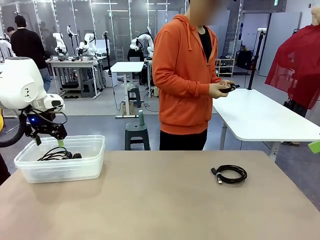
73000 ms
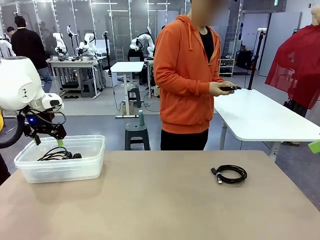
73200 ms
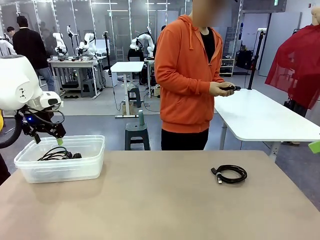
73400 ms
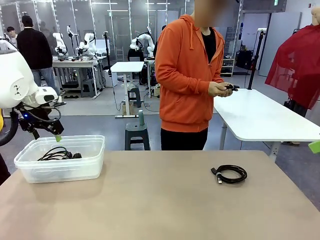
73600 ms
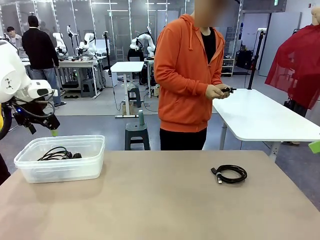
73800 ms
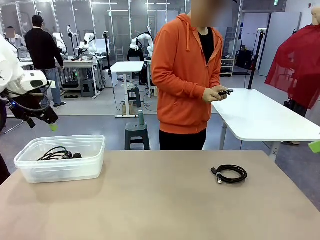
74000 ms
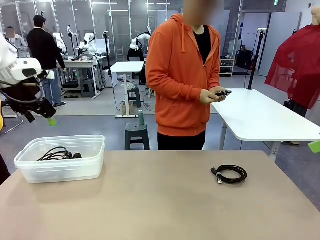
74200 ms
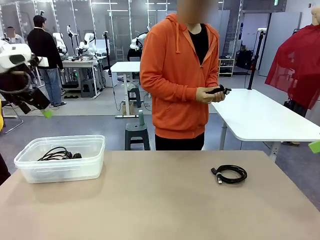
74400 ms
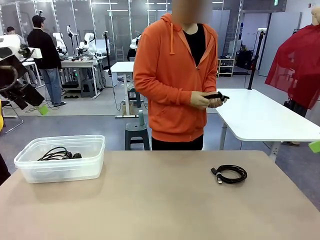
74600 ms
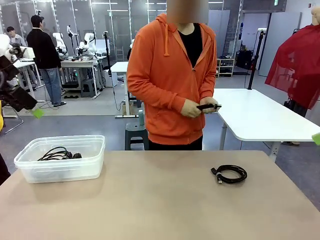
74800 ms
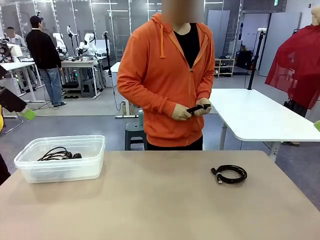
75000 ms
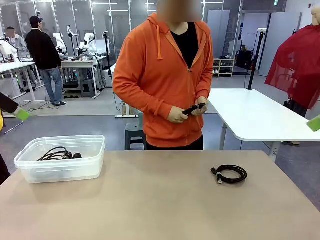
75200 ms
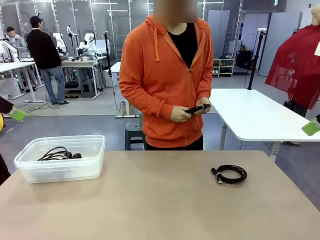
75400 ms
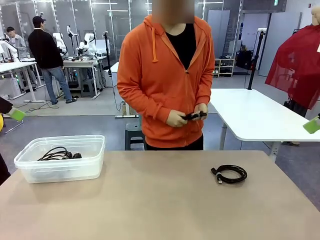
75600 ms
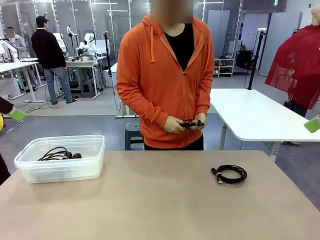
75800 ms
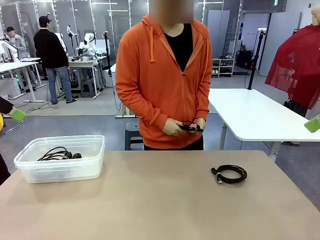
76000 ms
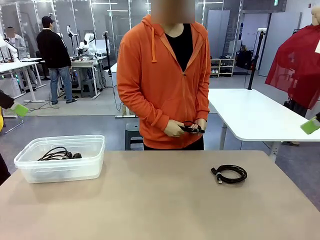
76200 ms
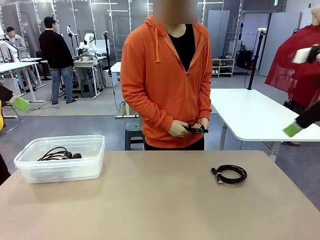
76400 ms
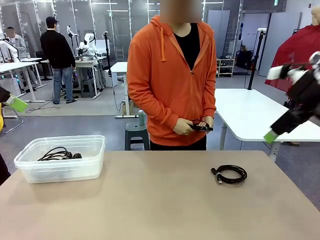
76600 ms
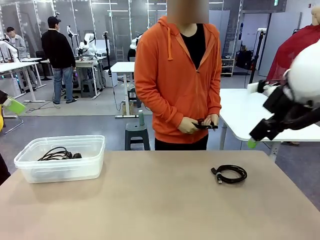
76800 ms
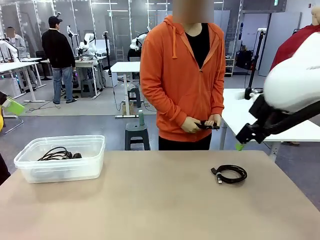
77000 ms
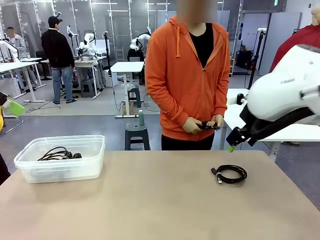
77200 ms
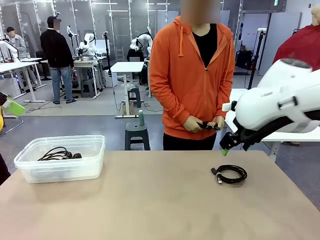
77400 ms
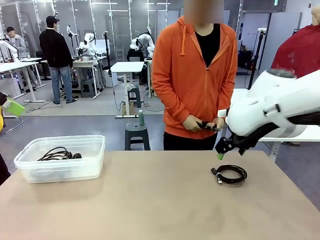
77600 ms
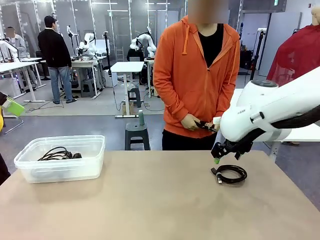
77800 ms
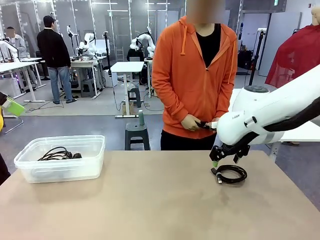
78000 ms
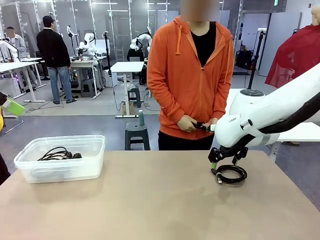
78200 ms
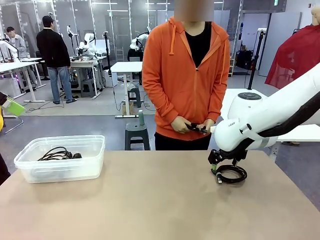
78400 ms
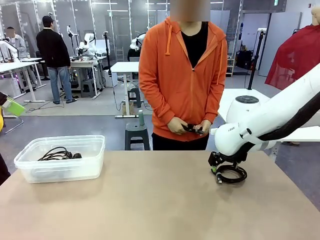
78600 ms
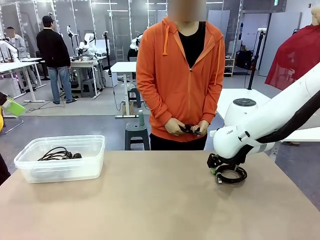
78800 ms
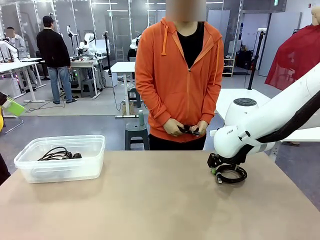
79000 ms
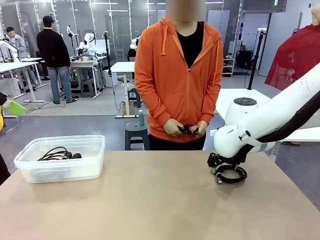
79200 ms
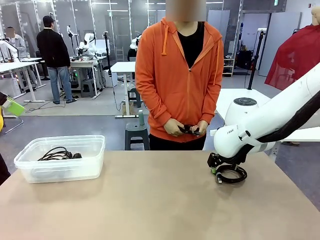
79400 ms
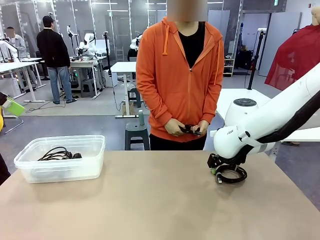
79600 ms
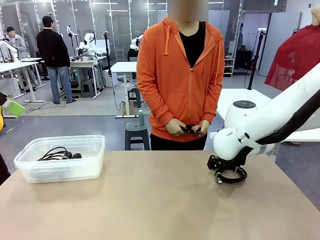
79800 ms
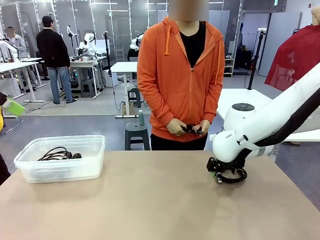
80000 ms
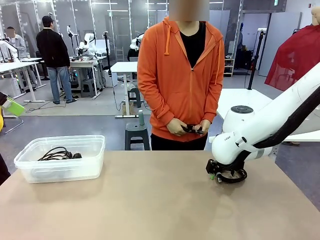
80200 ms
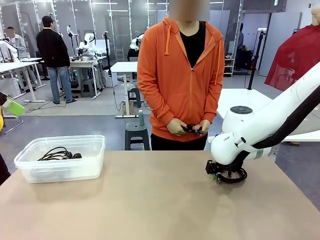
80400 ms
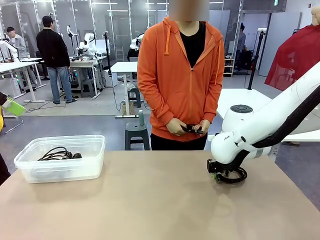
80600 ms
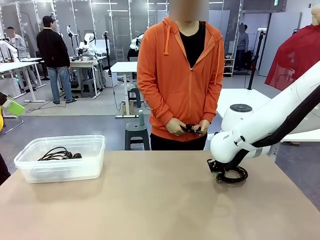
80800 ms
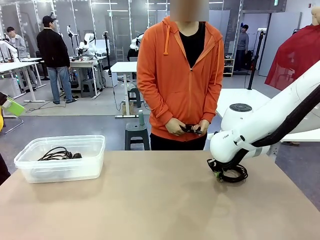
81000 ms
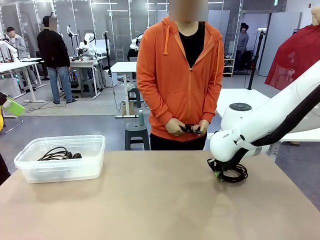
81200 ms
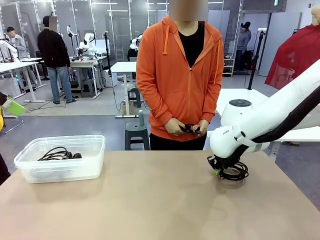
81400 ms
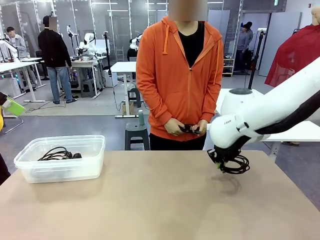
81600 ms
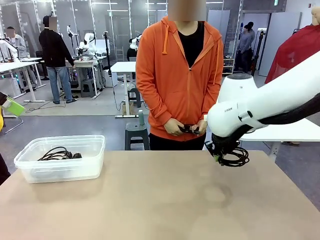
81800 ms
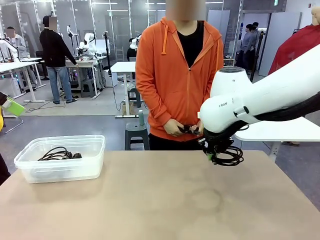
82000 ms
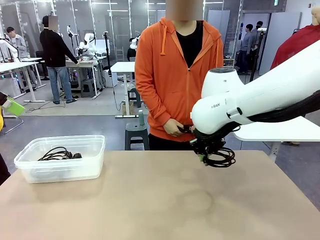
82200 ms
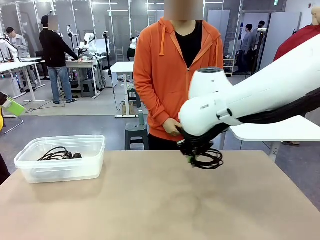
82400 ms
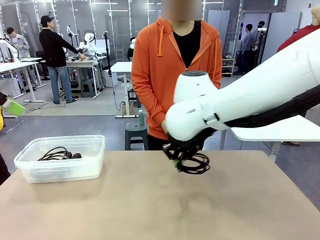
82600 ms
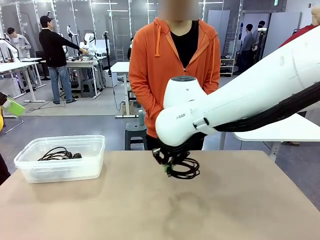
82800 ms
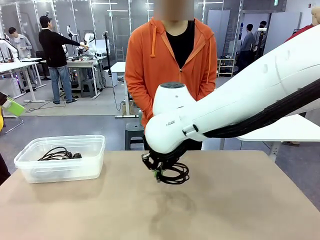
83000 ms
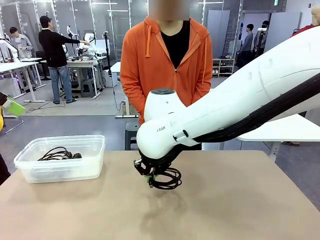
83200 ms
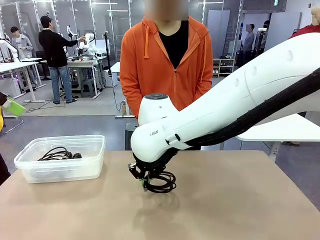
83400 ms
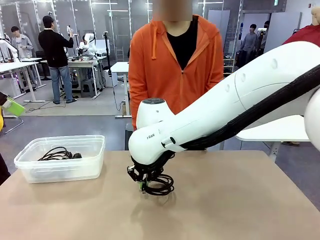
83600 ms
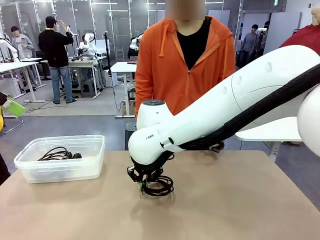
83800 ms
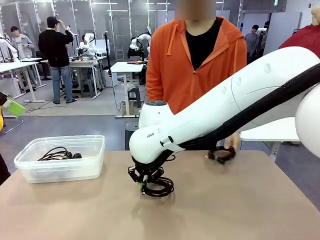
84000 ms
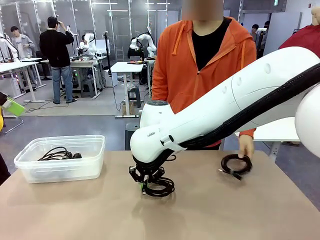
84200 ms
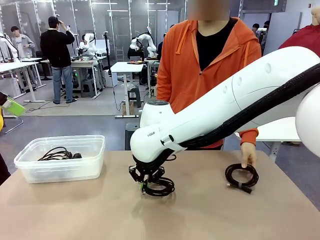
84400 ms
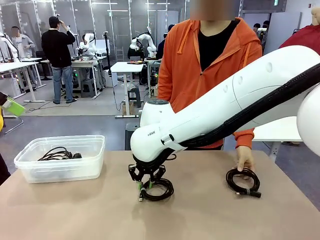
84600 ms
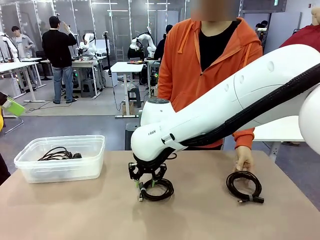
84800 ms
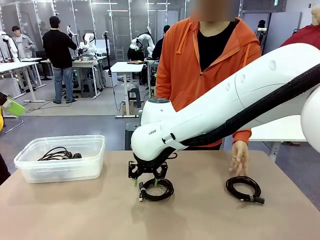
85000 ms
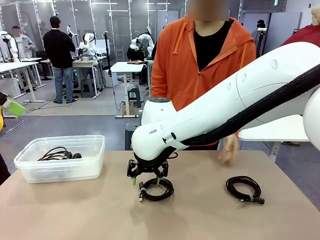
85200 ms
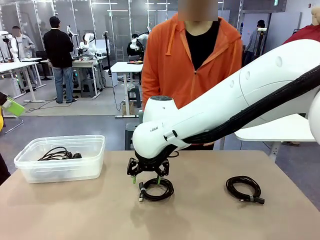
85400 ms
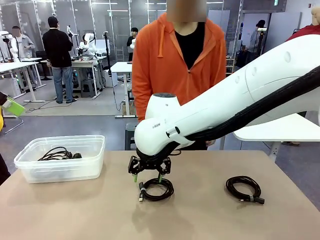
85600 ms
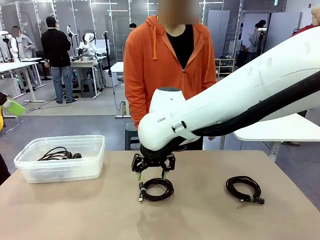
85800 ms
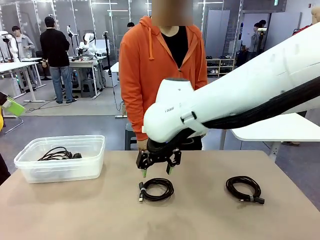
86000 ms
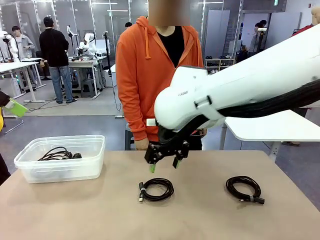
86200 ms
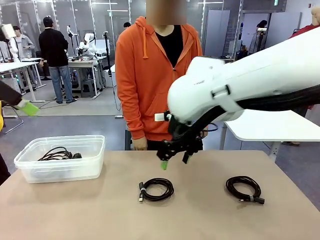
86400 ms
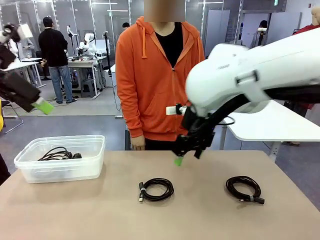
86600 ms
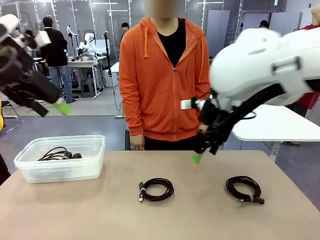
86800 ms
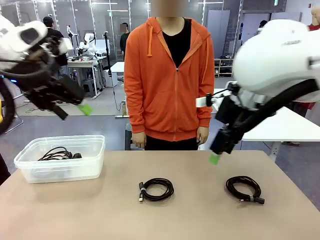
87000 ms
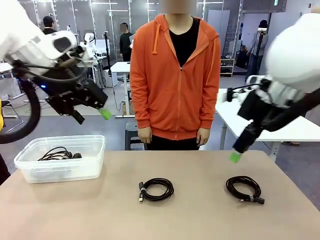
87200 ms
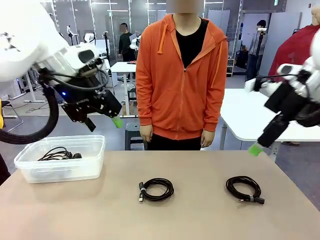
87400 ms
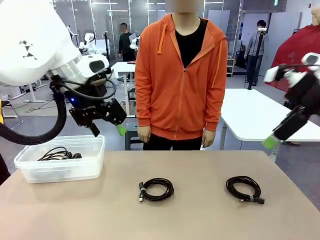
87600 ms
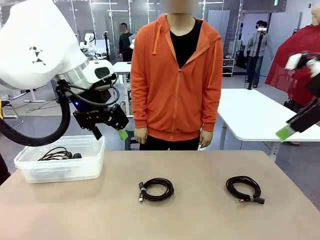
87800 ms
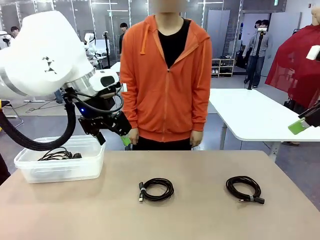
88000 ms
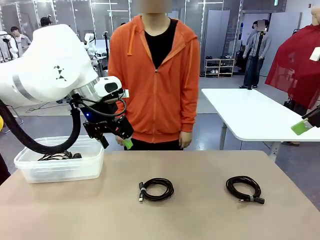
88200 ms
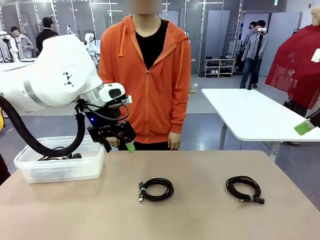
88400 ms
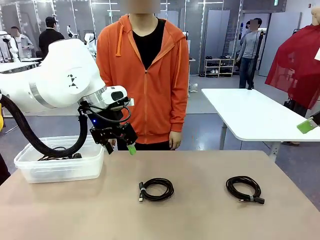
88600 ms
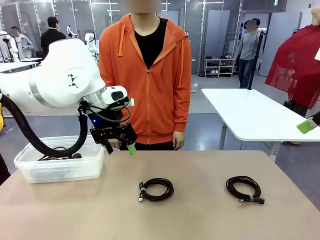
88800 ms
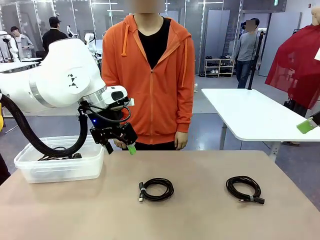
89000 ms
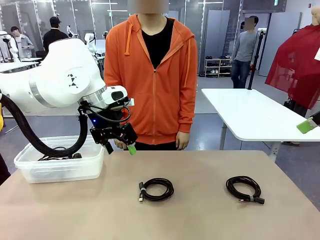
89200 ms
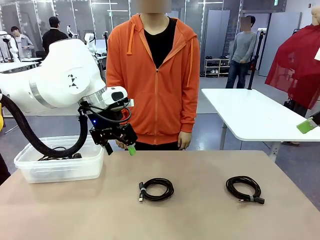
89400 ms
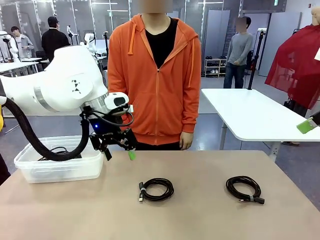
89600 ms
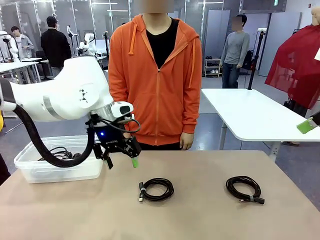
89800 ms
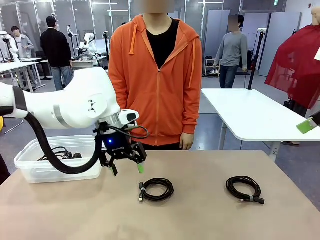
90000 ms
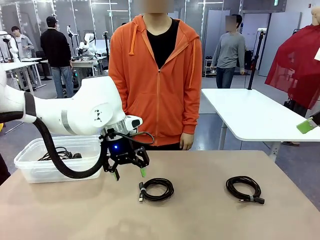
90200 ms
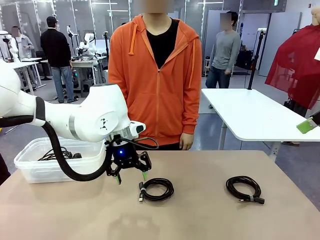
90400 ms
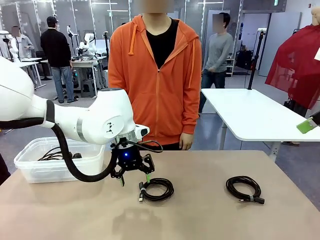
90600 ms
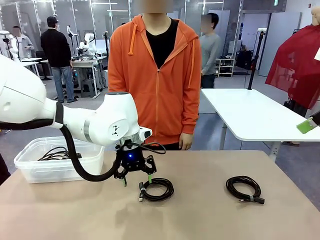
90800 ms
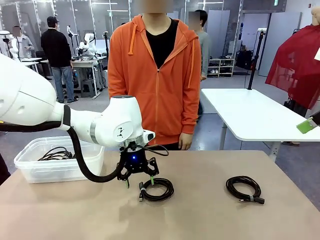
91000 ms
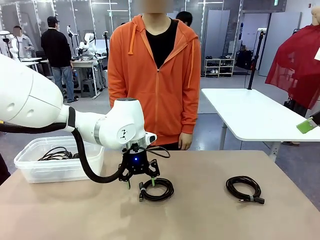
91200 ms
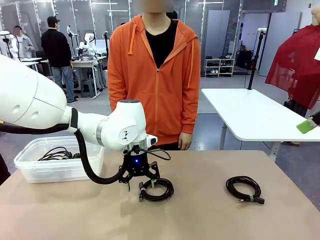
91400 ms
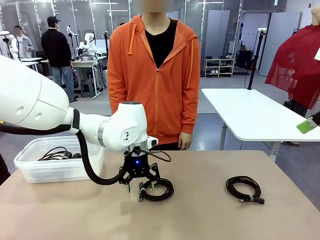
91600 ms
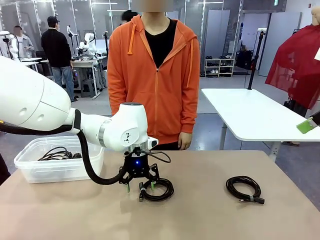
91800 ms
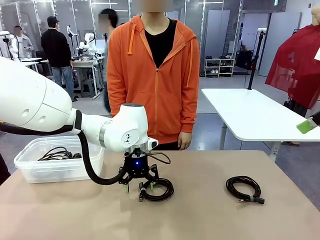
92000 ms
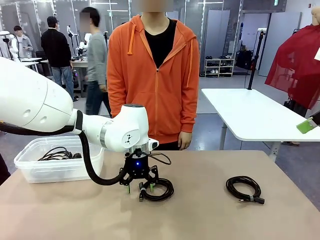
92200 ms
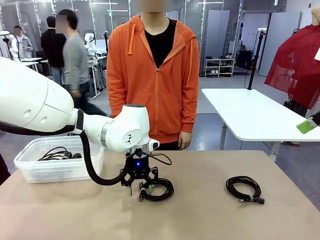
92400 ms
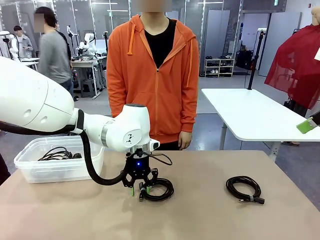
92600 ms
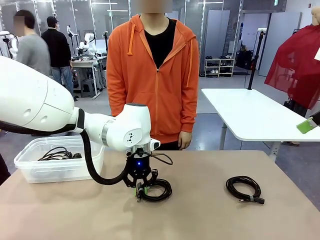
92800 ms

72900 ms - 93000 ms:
Task: Organize and store the cables.
Robot: Place the USB Extension Cable into the Organizing box.
